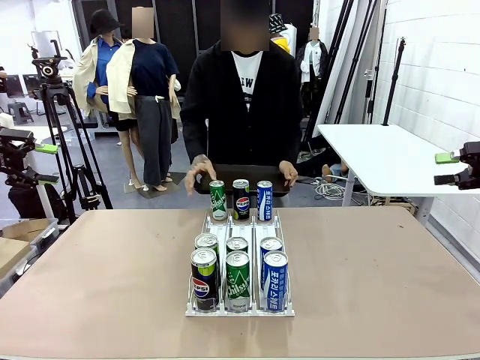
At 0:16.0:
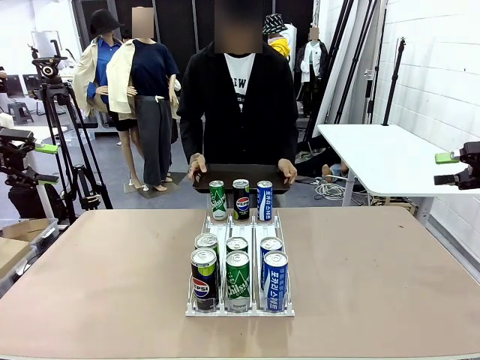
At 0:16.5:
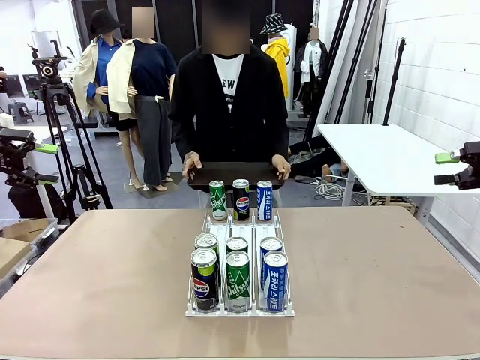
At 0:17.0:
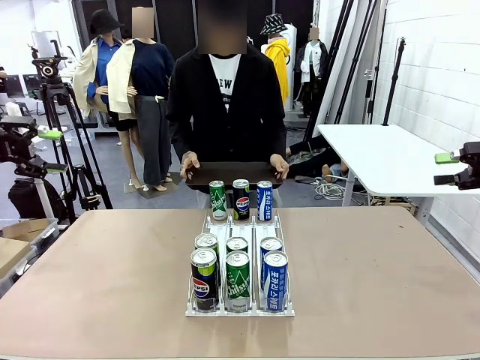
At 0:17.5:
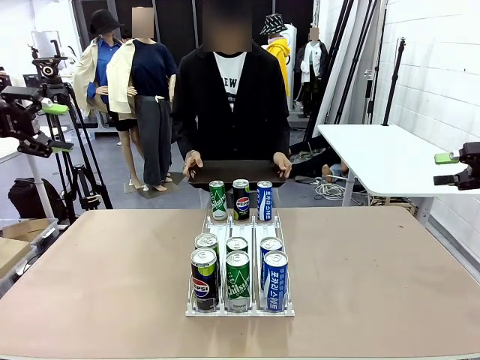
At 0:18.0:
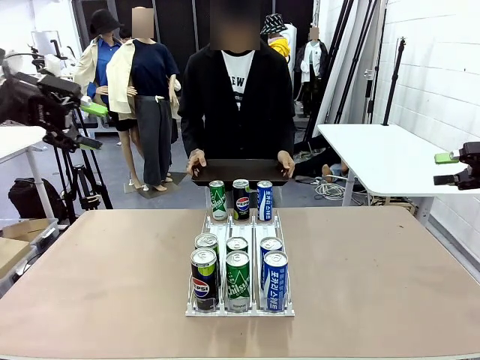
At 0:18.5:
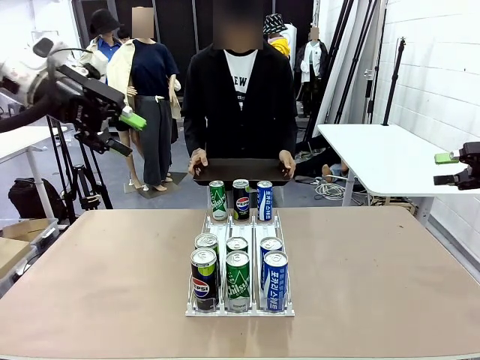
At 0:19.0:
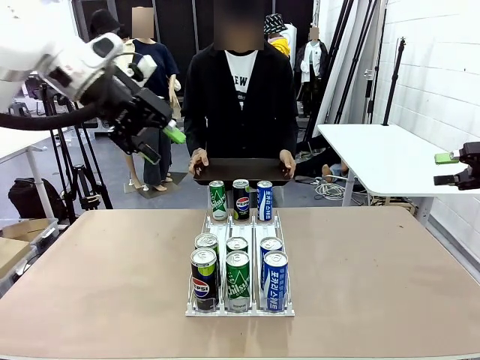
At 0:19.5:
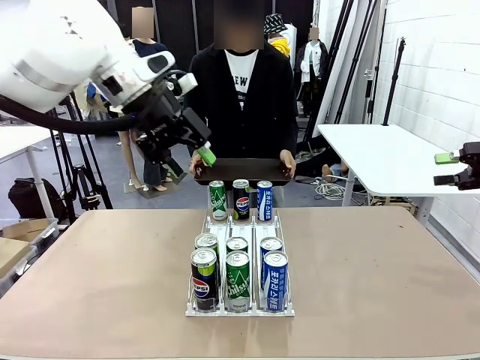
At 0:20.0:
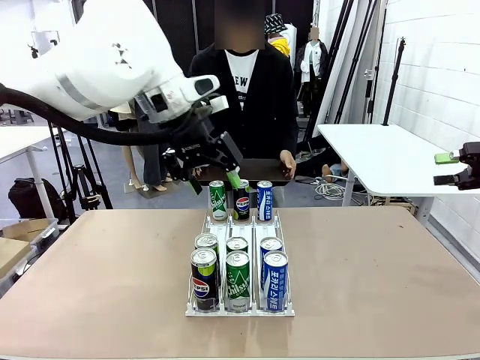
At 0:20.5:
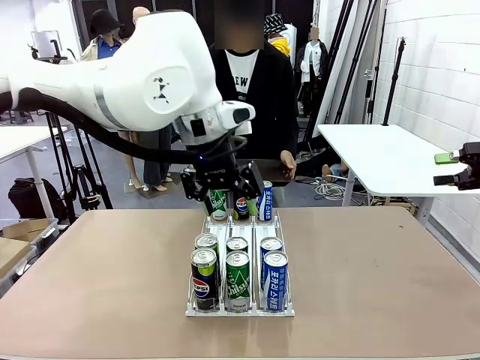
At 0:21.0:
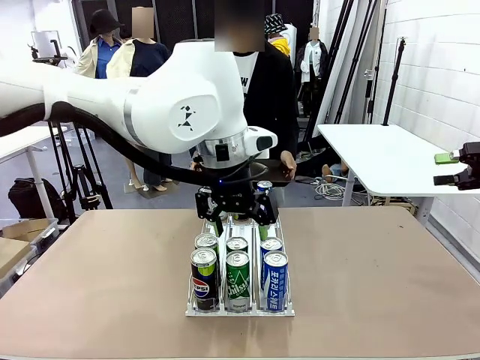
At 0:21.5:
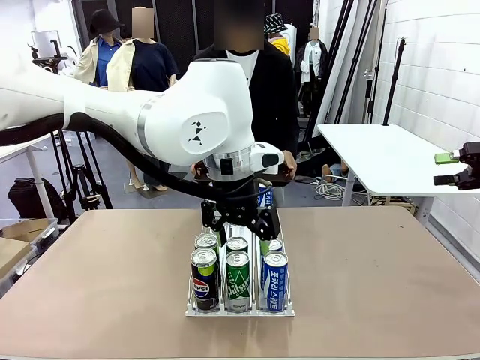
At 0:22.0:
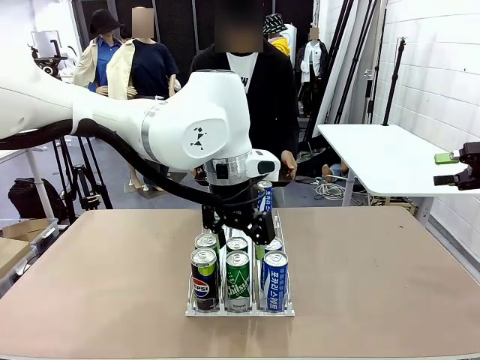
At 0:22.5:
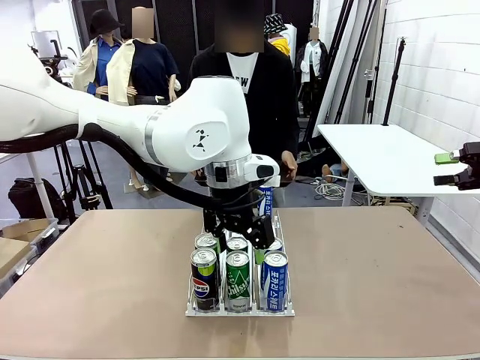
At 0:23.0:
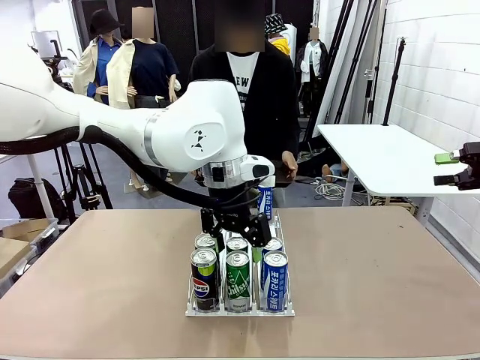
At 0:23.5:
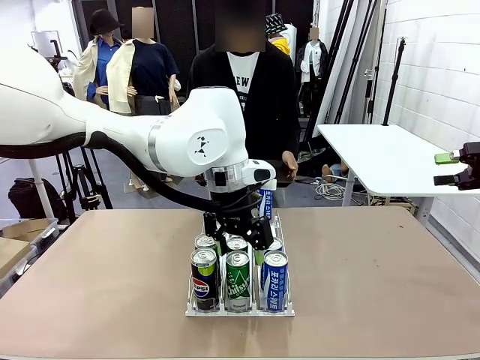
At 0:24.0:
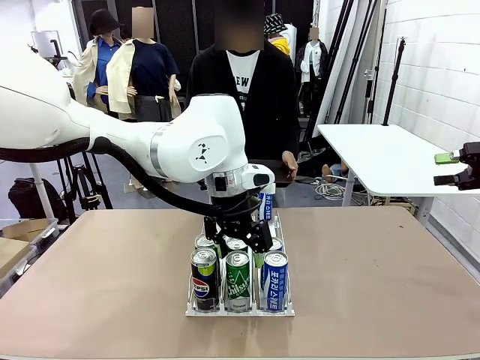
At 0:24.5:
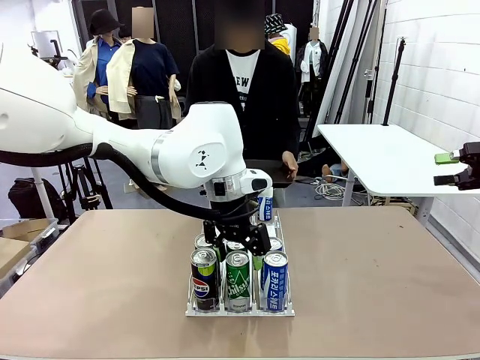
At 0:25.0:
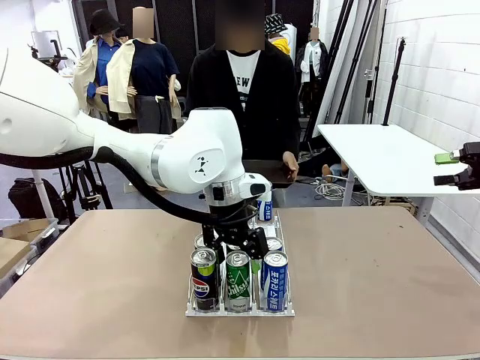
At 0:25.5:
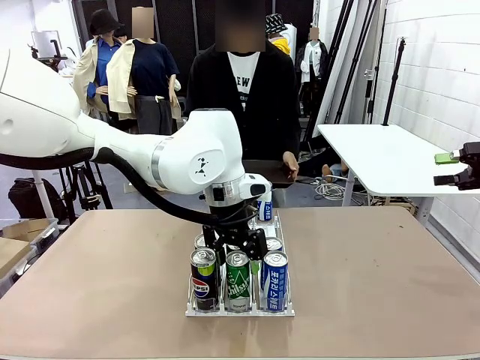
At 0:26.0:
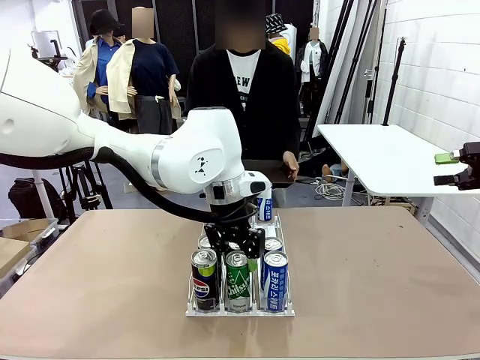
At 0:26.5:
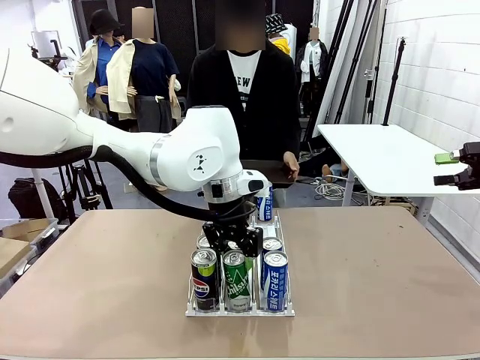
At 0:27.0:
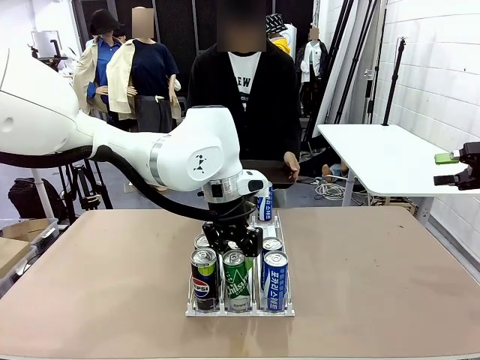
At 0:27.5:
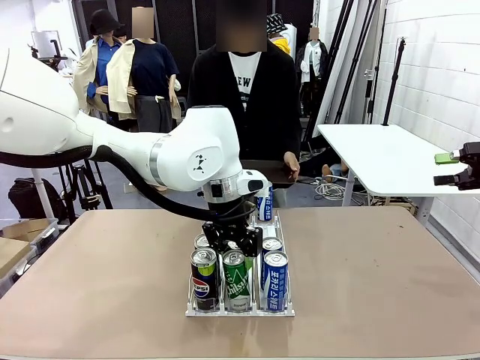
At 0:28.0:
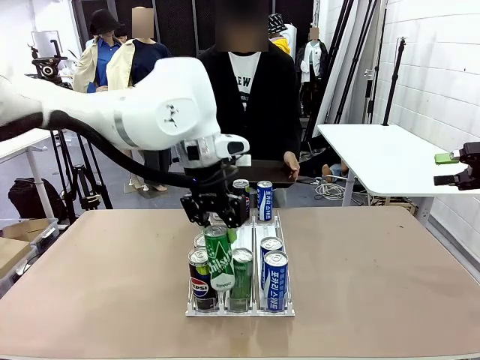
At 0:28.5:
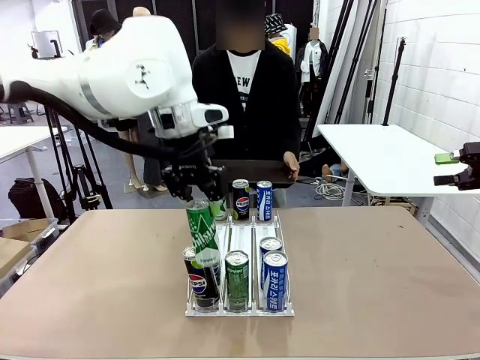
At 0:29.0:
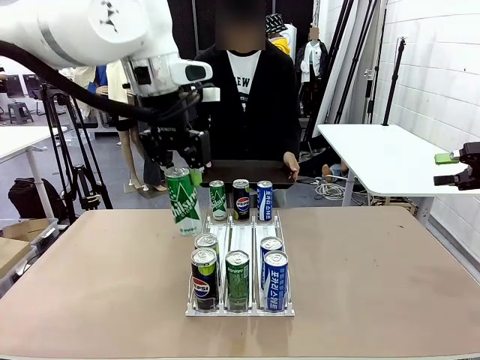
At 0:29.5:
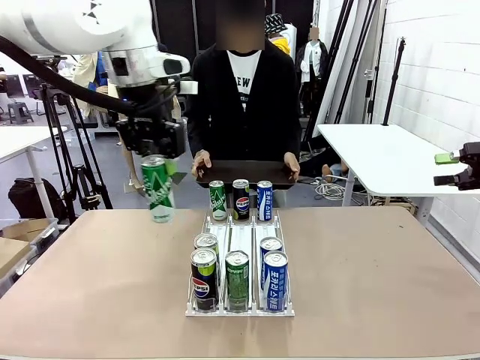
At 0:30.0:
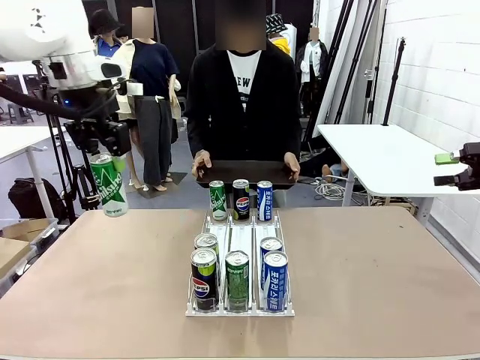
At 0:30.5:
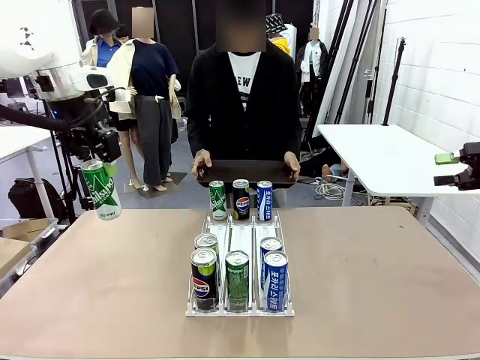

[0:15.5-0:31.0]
Task: Retrieve and hand over the desired beverage to the person.
Robot: Pick up a can of the same type that the person held from the Automatic Can Dispenser.
Person: Push the tray toward the robot.

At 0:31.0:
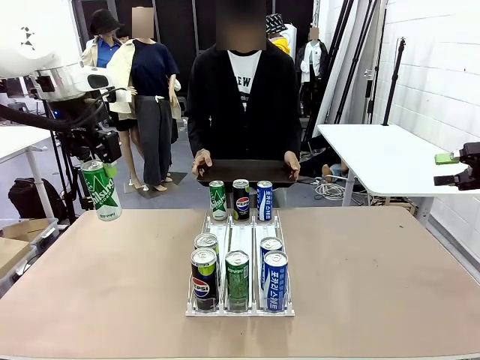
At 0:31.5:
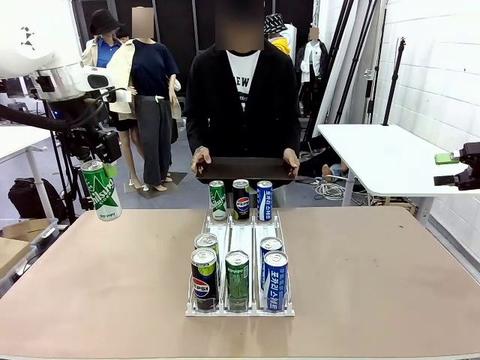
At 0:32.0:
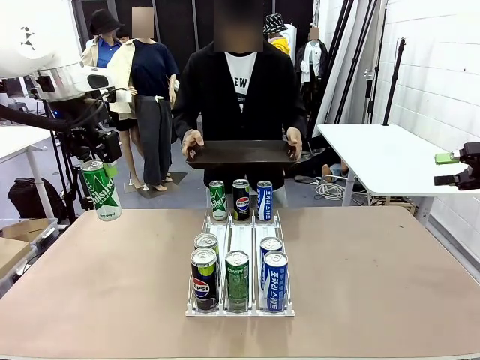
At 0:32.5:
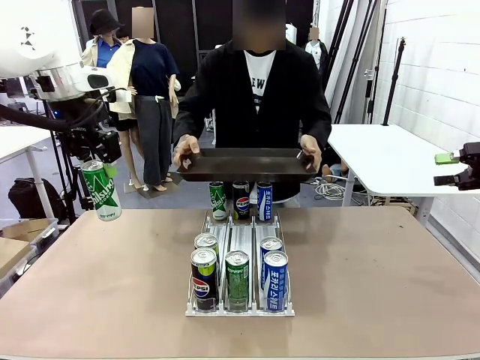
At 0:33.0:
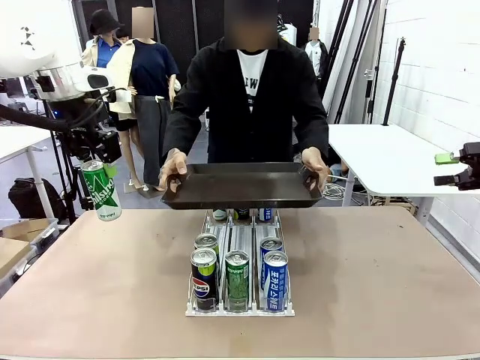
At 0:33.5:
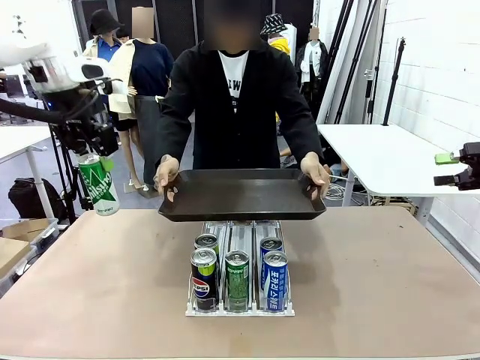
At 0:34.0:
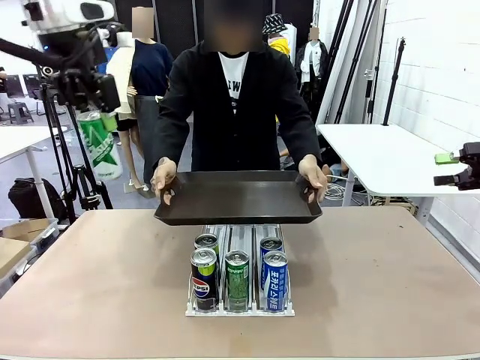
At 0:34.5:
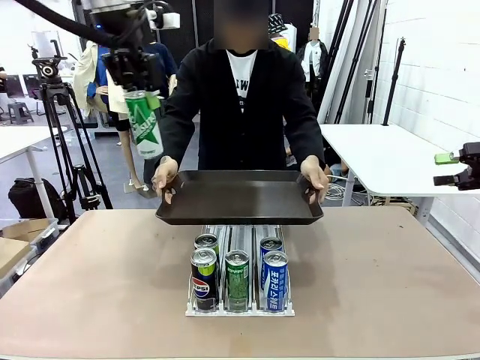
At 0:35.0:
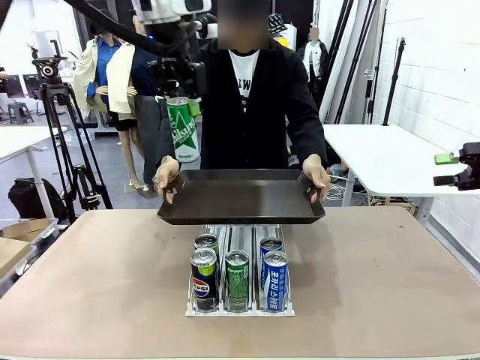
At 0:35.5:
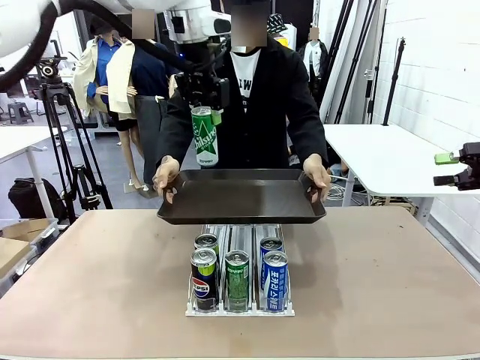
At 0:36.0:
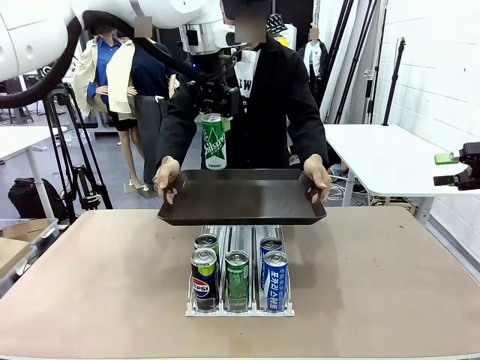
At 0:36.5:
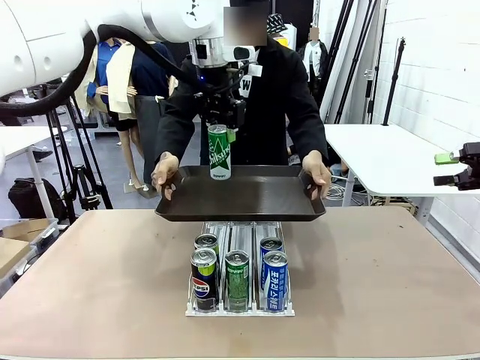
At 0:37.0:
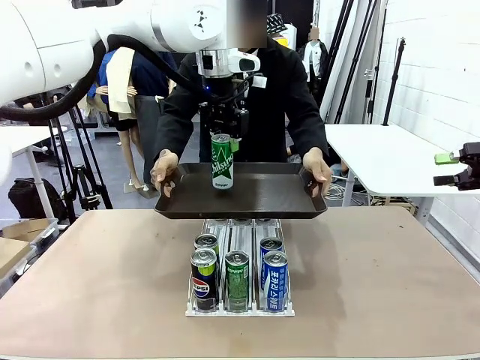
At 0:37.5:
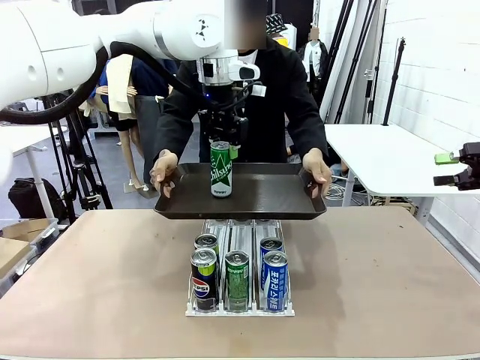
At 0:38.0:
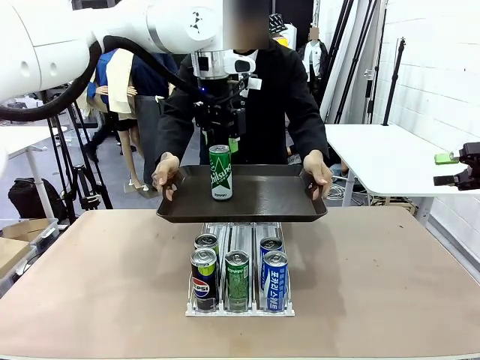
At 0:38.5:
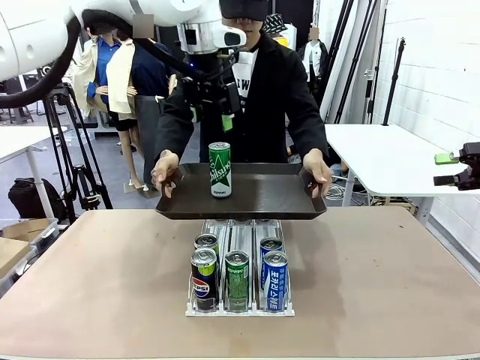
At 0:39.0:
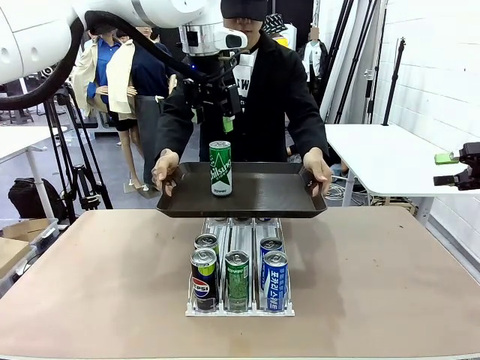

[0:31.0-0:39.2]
Robot: Place the picked can on the Handle tray extended by the person.
